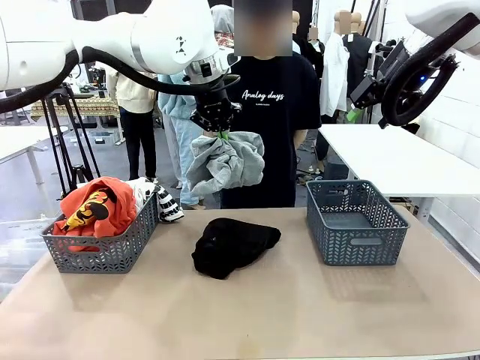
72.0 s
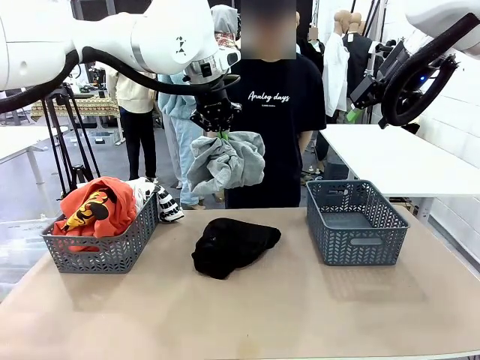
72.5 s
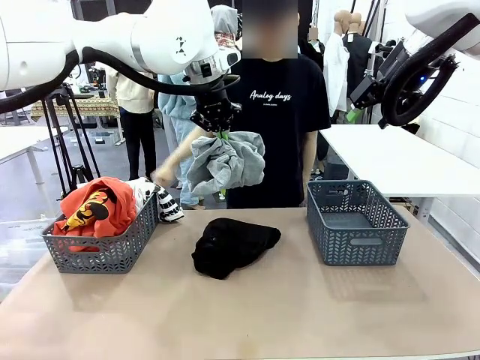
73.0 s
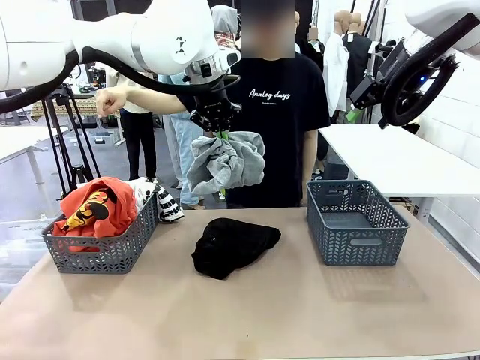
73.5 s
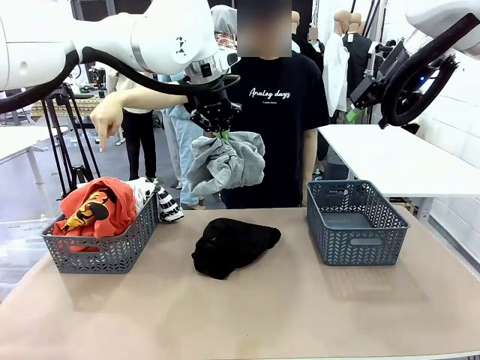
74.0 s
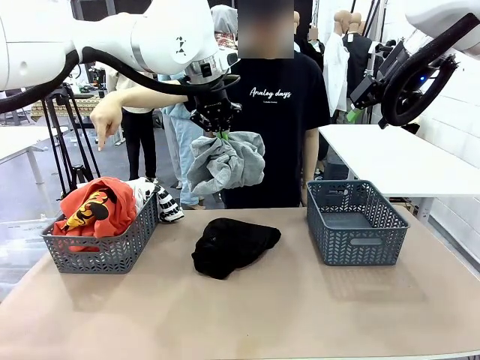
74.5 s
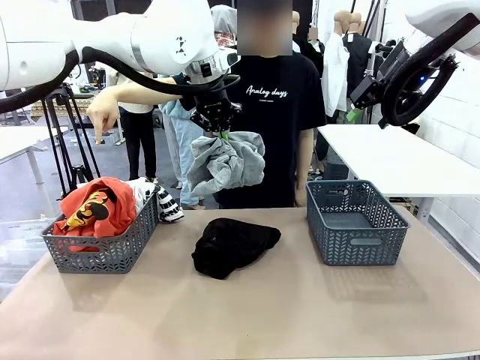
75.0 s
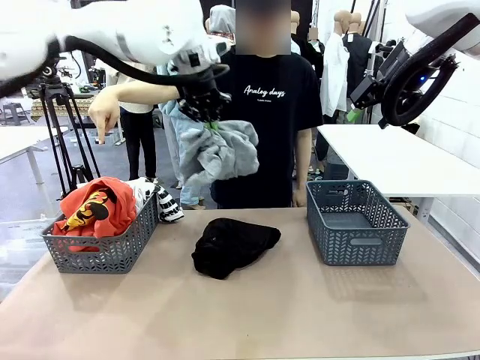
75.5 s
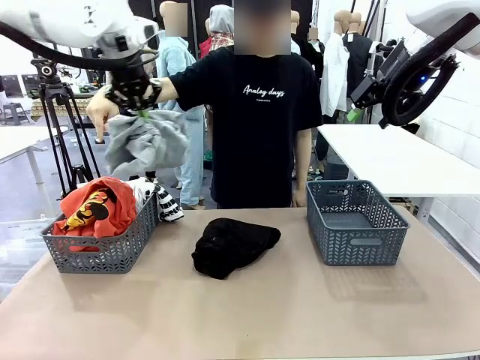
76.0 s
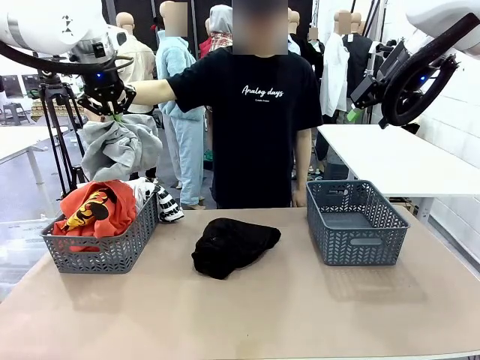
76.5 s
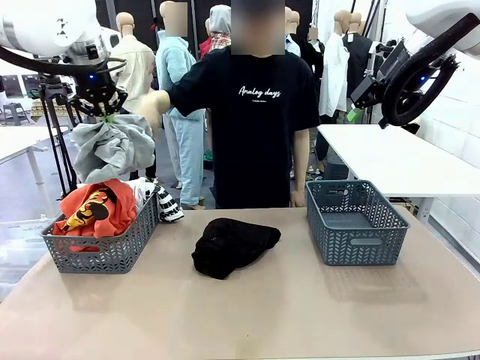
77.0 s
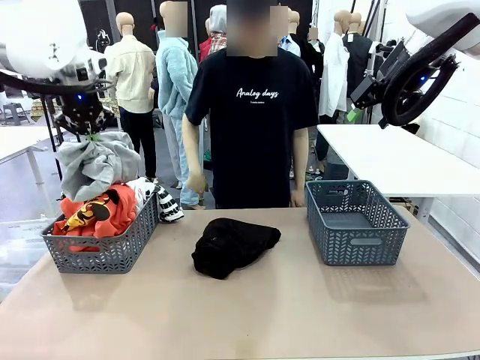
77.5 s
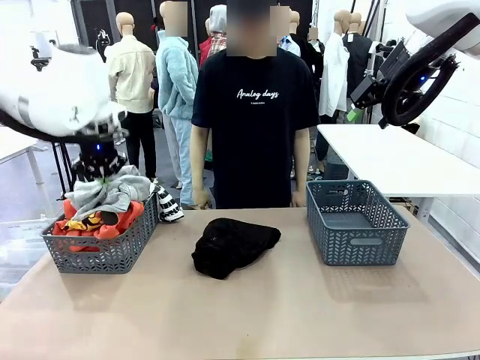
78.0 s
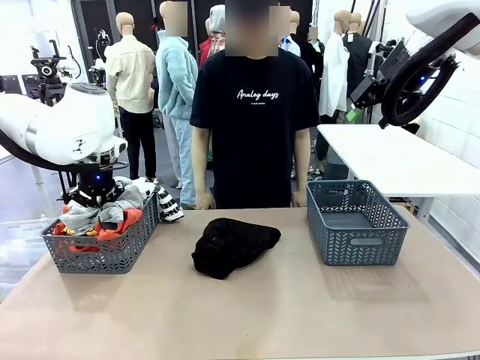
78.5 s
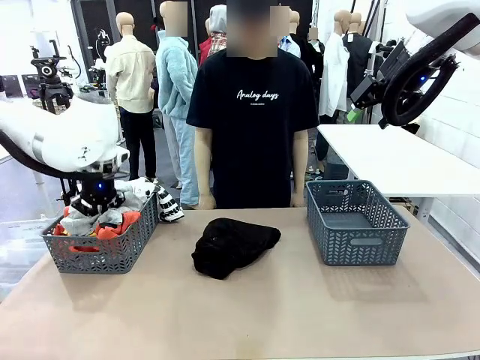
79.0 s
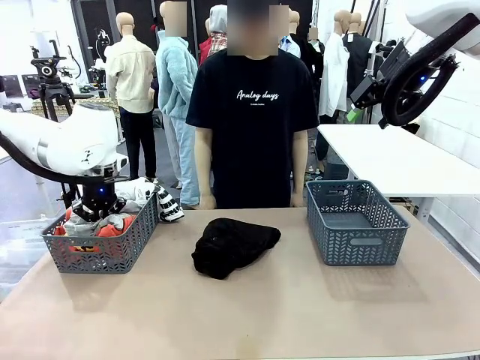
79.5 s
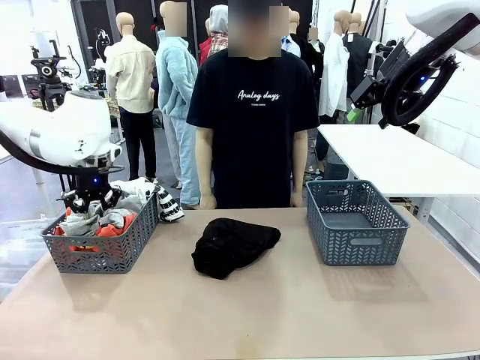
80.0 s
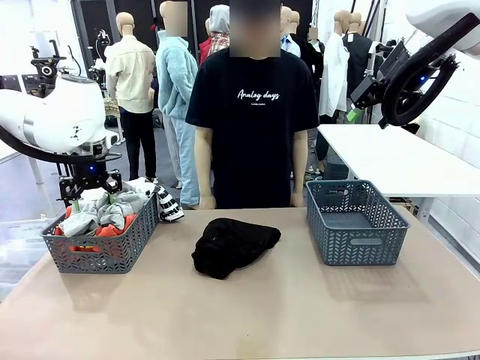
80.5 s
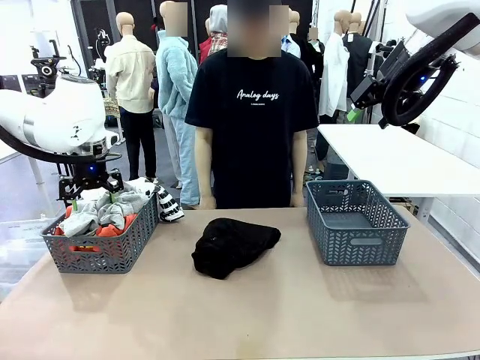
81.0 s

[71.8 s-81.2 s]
Task: Sort the tops and bottoms.
Robot: Sort the clothes according to human instructions.

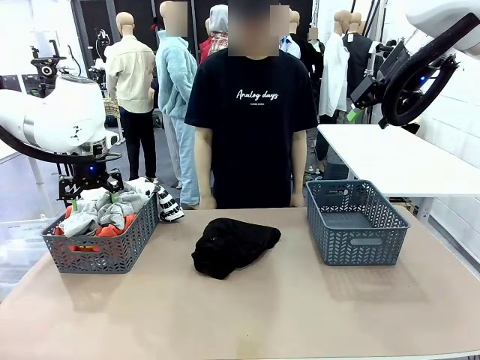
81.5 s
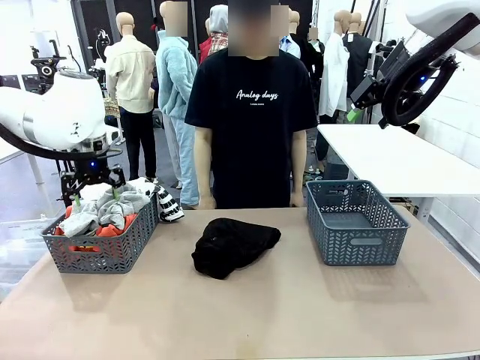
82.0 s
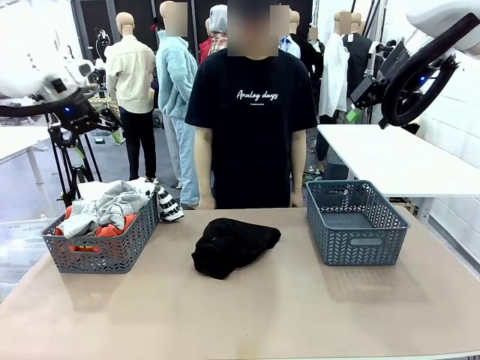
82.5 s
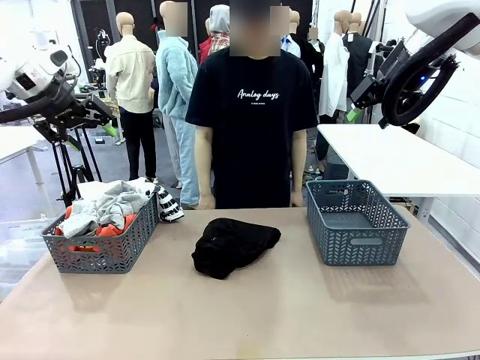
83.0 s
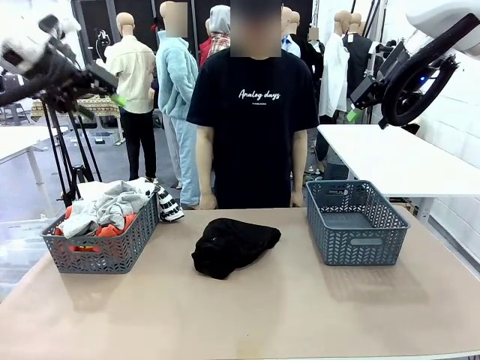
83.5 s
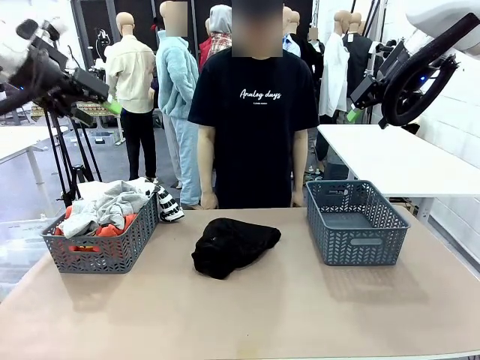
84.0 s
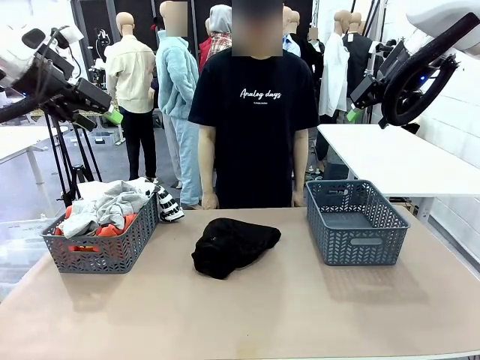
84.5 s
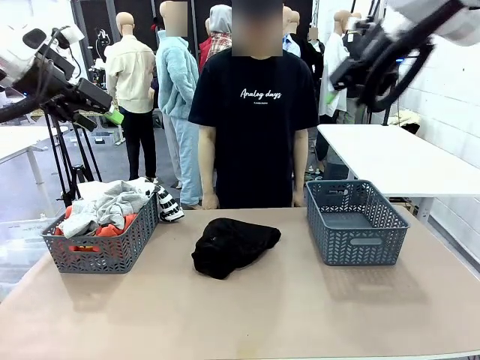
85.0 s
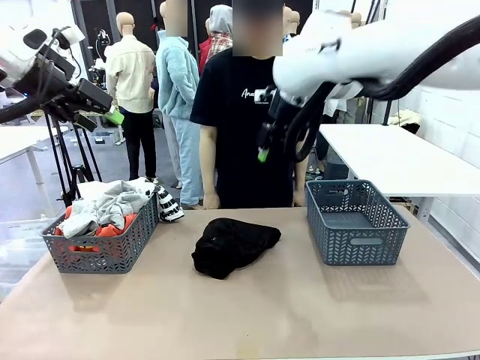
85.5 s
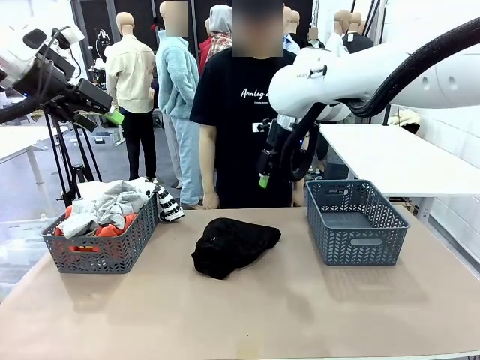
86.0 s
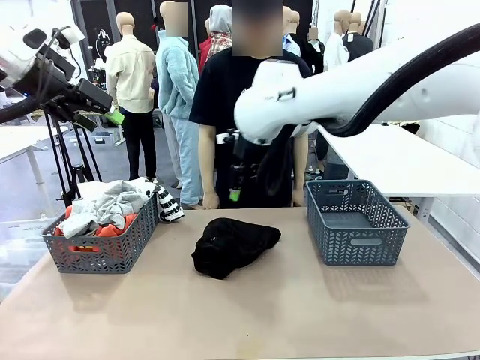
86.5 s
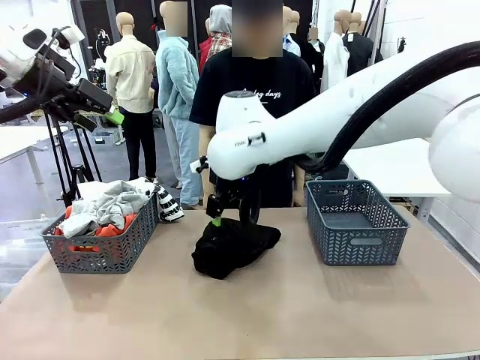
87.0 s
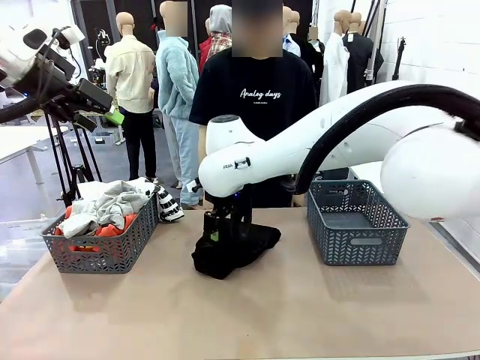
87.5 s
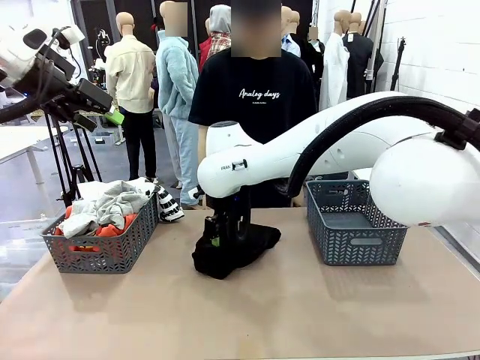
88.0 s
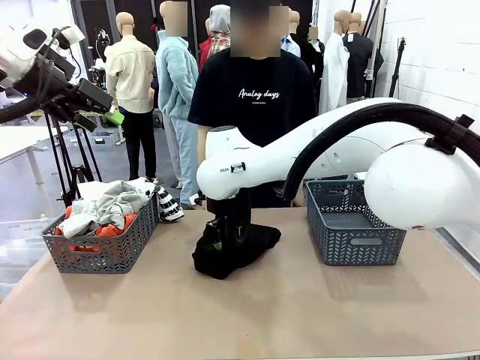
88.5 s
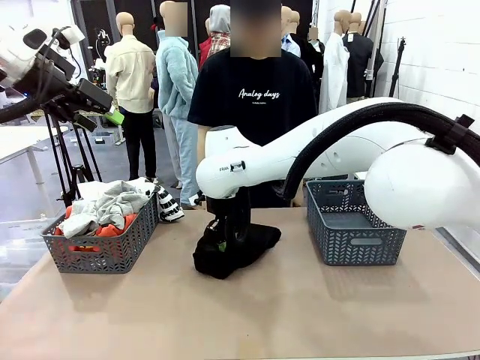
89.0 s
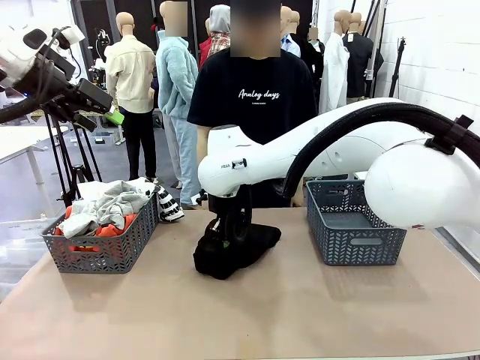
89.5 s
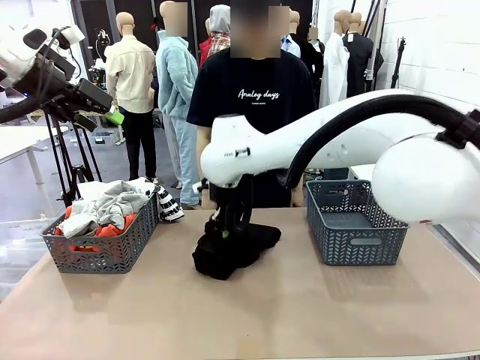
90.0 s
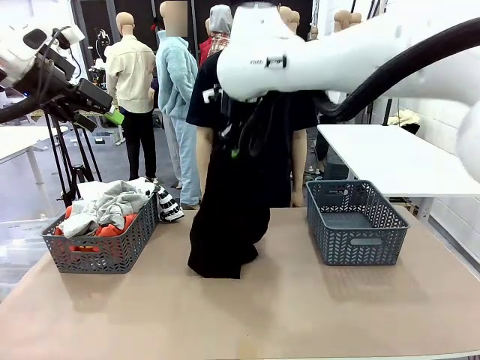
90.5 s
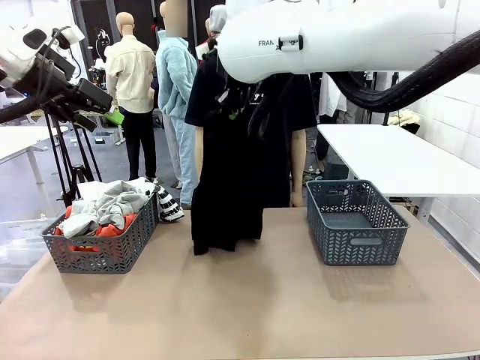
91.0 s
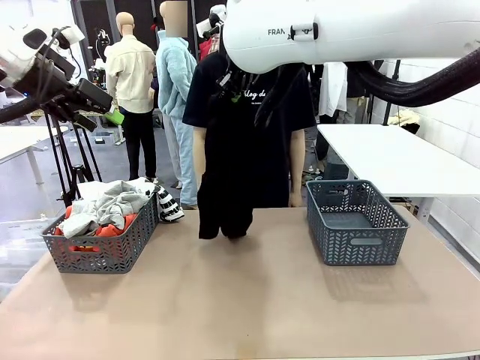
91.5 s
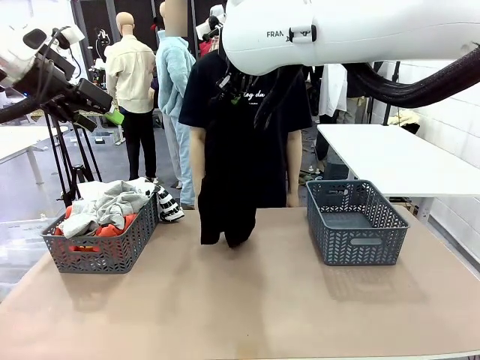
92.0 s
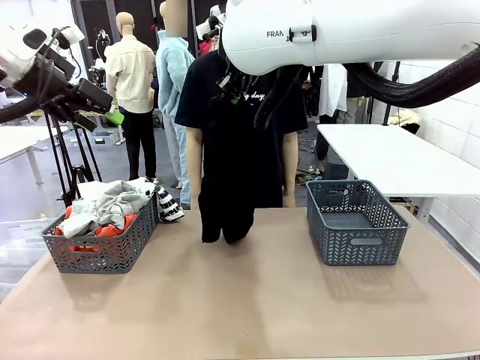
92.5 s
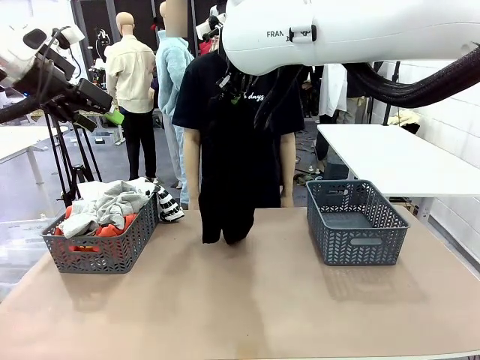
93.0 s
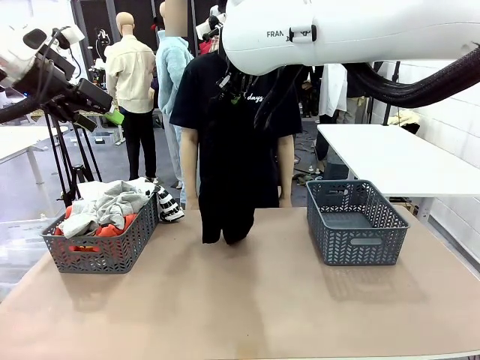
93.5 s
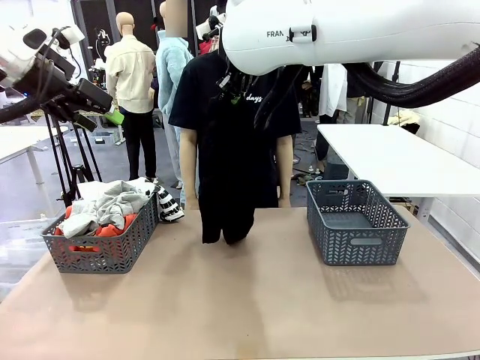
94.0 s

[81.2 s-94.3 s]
Robot: Lift clothes from the center of the table with your right hand.

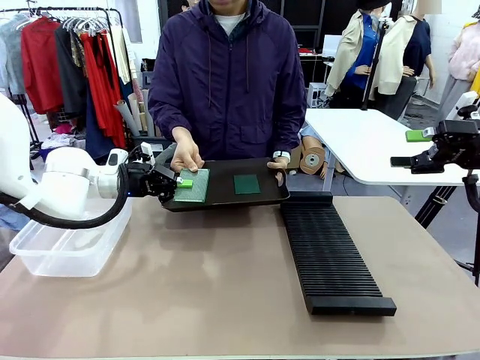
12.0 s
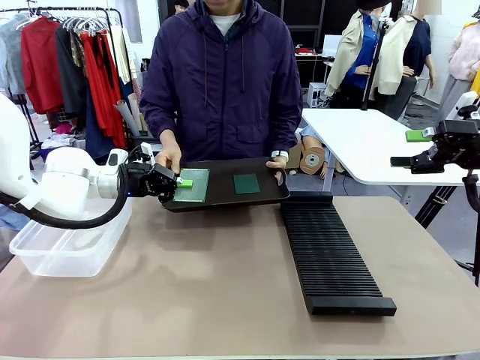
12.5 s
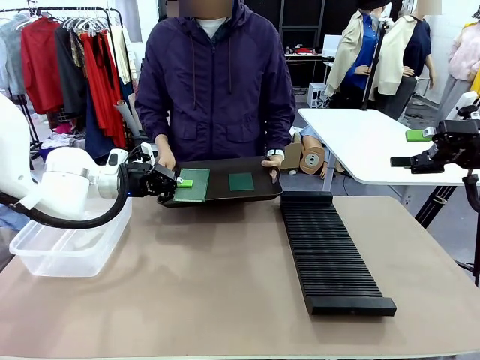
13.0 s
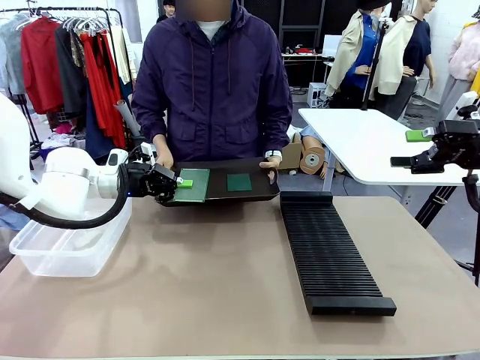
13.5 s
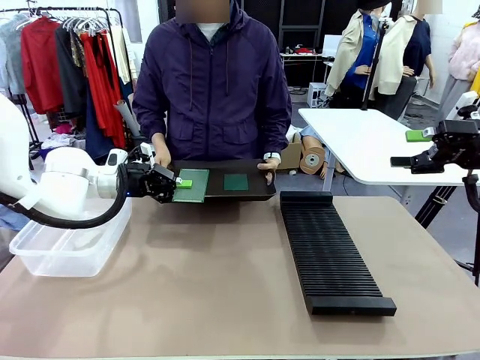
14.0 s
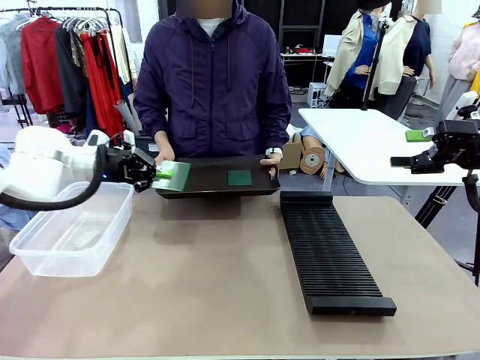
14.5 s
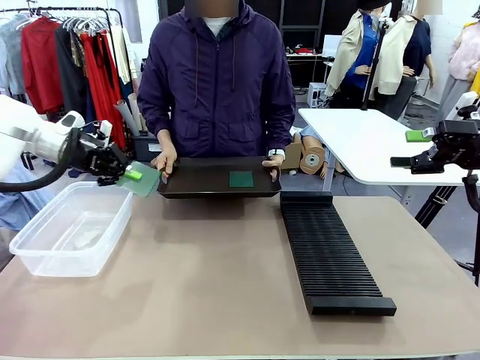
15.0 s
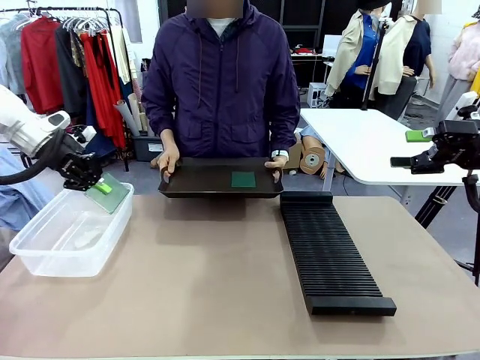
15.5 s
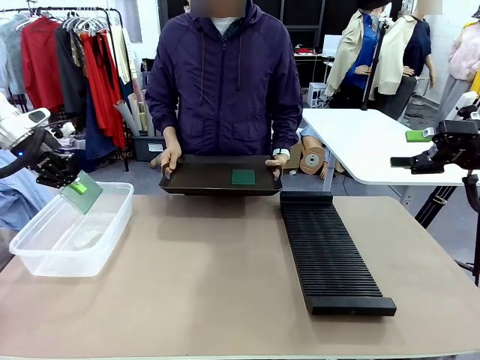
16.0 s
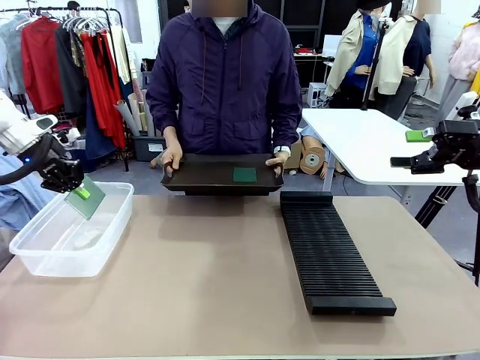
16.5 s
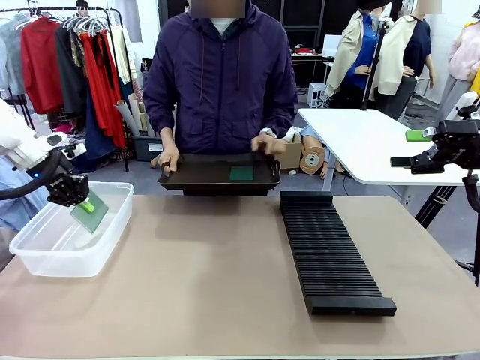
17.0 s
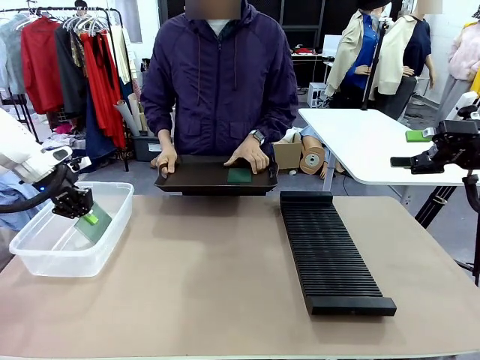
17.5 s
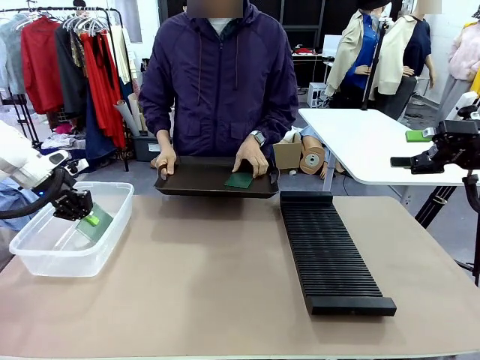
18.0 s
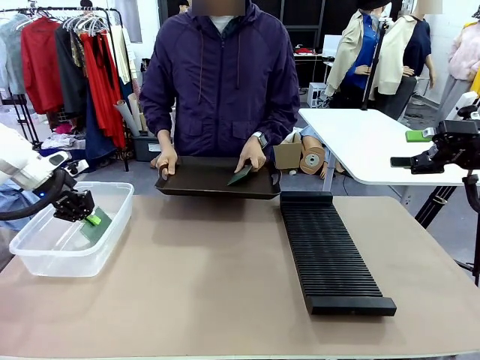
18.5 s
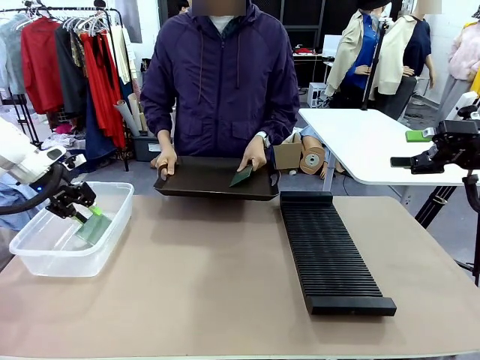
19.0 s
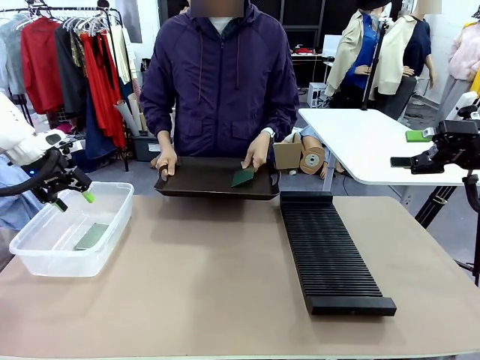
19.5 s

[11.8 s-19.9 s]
Task: Sort PCBs into racks and boxes based on the side picked up.
Robot: If the short side of the Blank PCB is picked up, insert it into the PCB Rack ; if the long side is picked up, place it in the Organizing box.
Person: Pick one PCB from the tray and present it to the robot.
